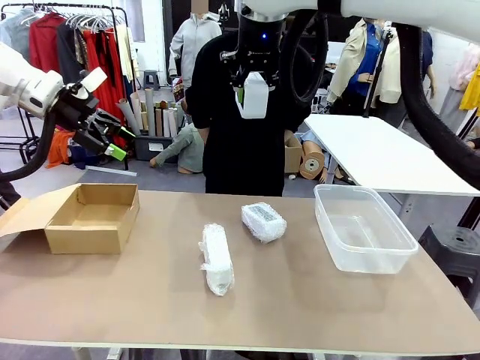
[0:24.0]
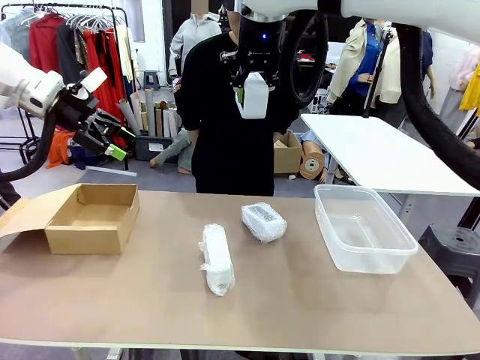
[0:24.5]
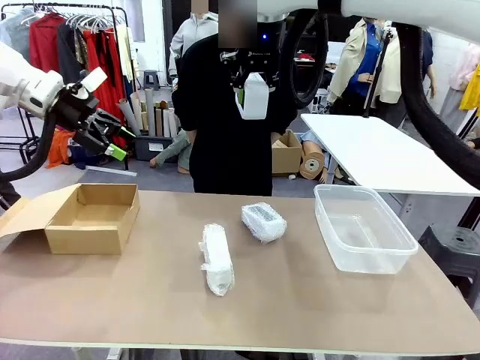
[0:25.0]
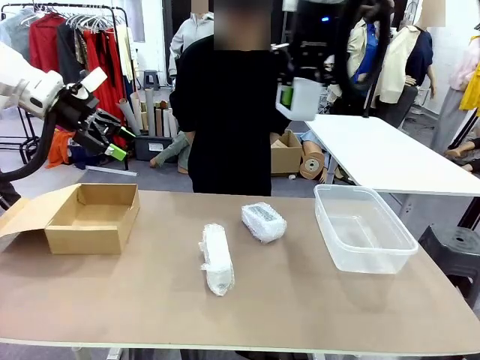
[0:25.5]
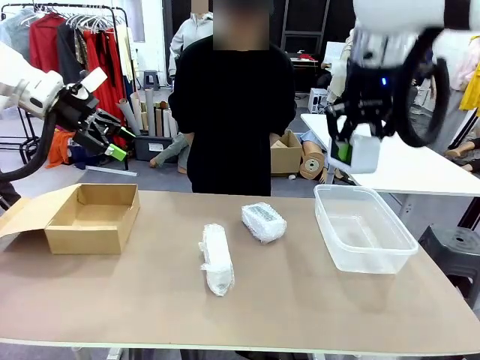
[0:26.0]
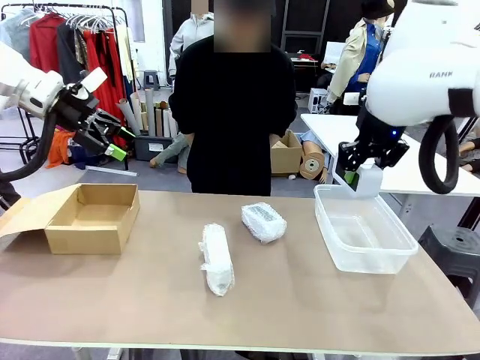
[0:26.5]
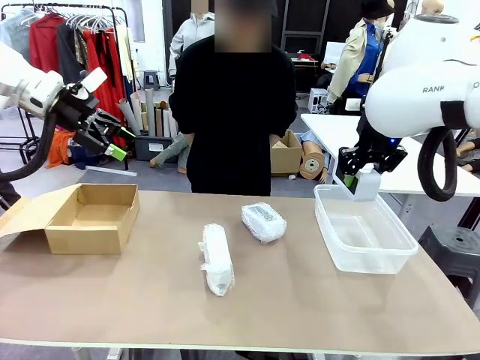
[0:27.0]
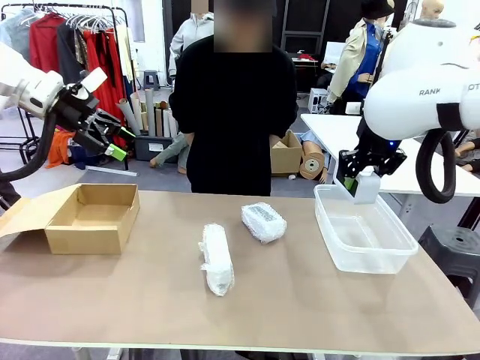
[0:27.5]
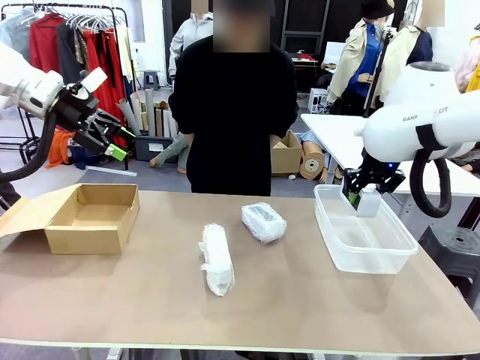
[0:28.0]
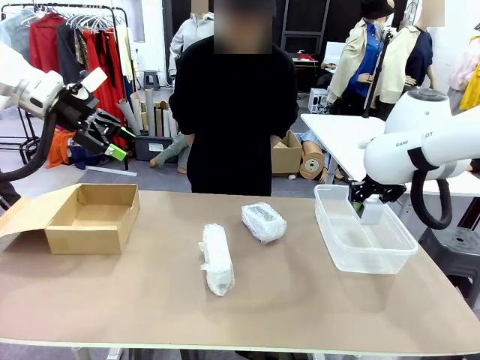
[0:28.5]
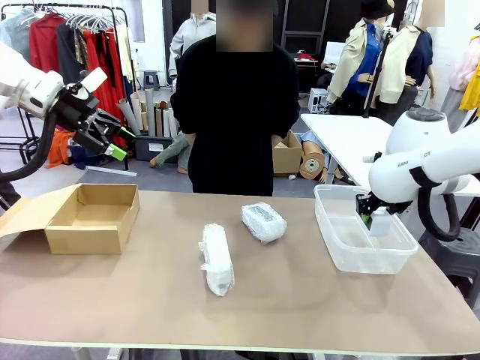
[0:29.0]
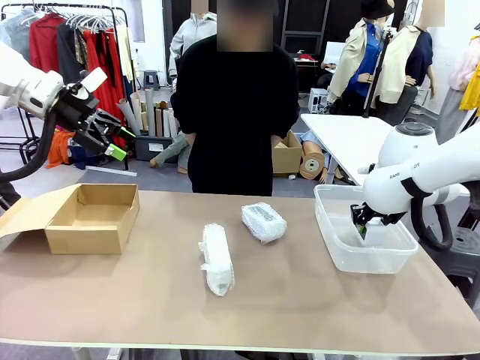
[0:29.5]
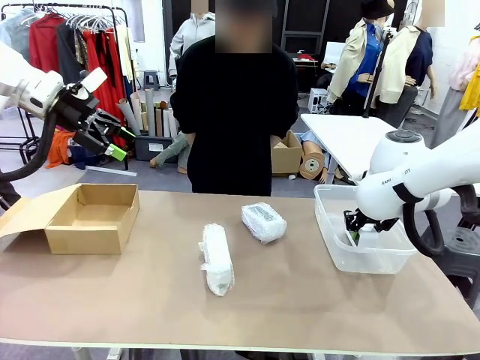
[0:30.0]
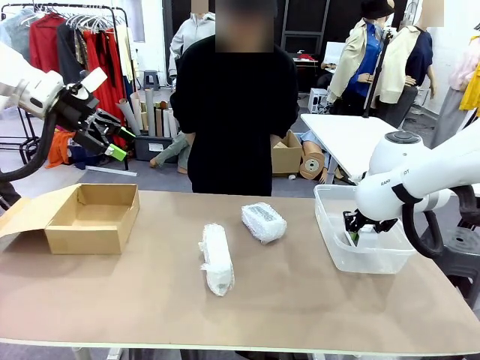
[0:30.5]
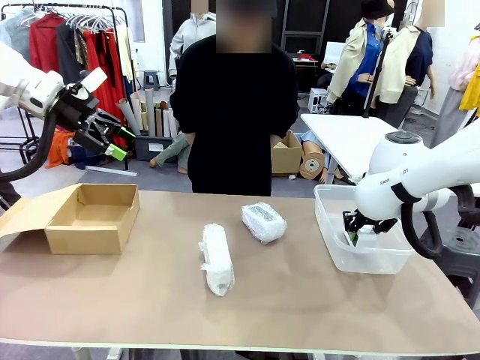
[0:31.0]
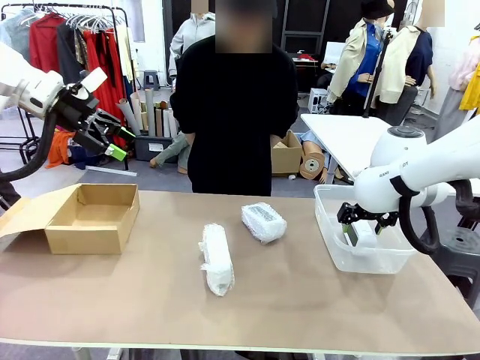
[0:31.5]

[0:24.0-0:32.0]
Task: Separate and place wrapped and unwrapped clocks.
Robot: If the picked Digital clock is wrapped, place it in the Package Box ; if not, place it in the Organizing box.

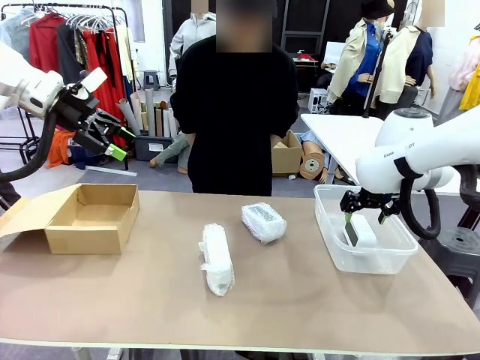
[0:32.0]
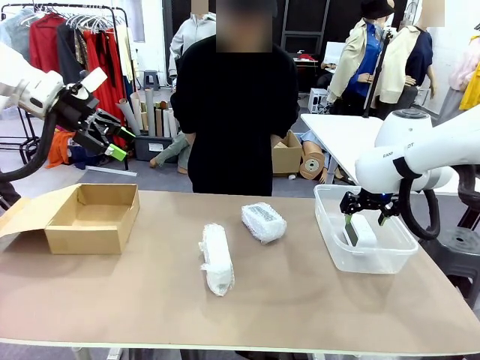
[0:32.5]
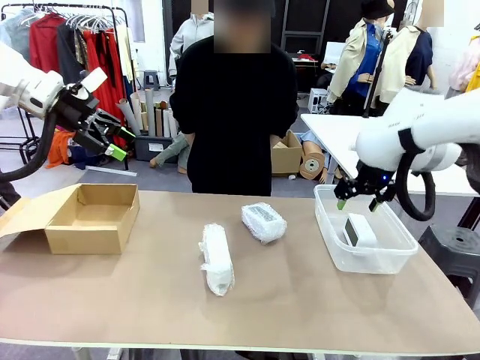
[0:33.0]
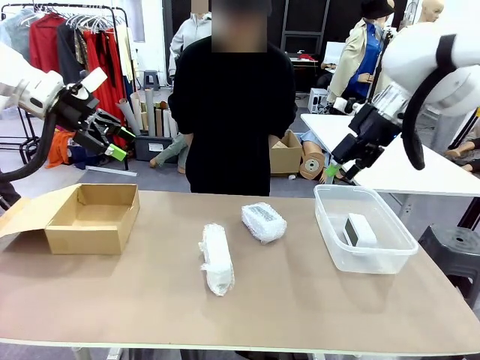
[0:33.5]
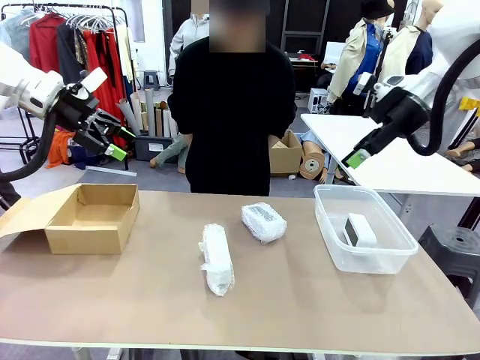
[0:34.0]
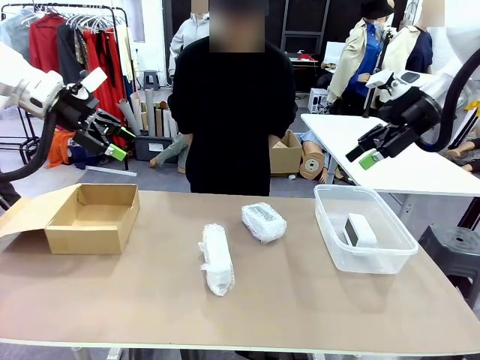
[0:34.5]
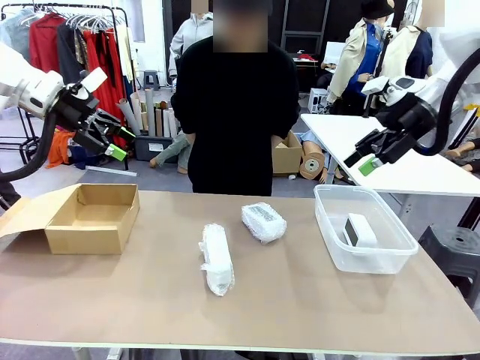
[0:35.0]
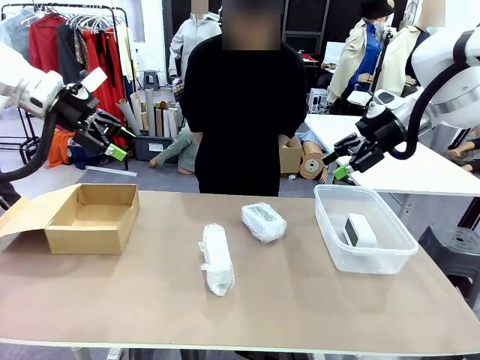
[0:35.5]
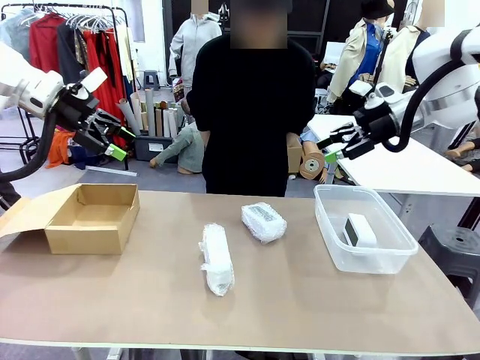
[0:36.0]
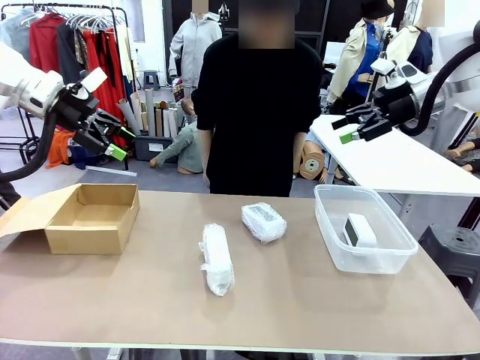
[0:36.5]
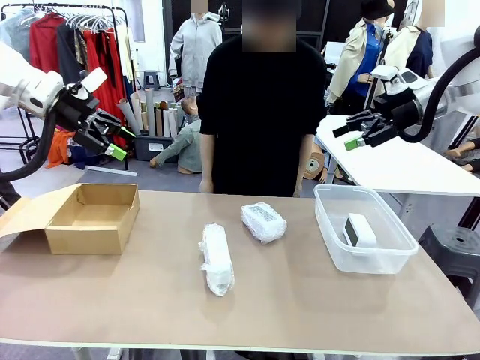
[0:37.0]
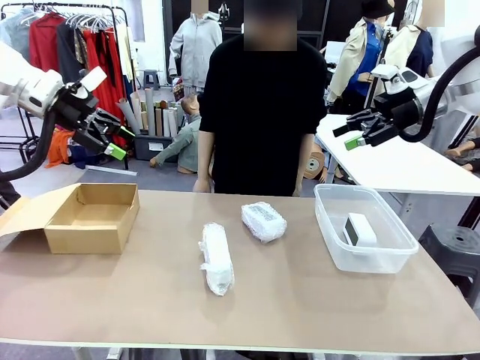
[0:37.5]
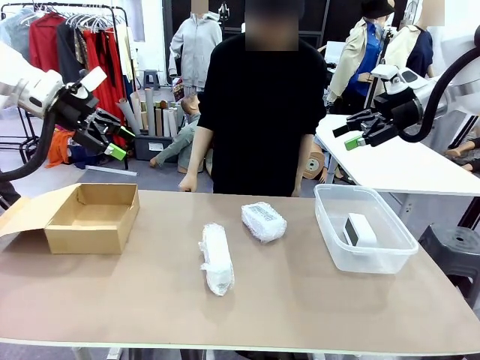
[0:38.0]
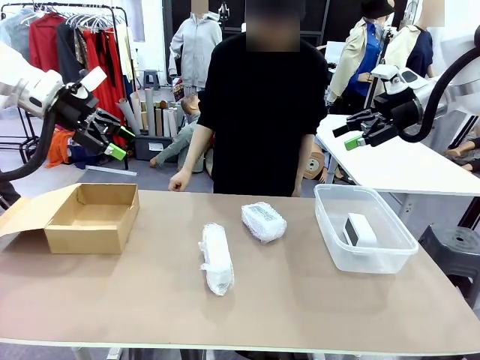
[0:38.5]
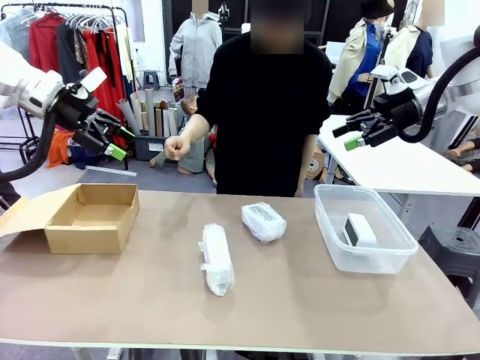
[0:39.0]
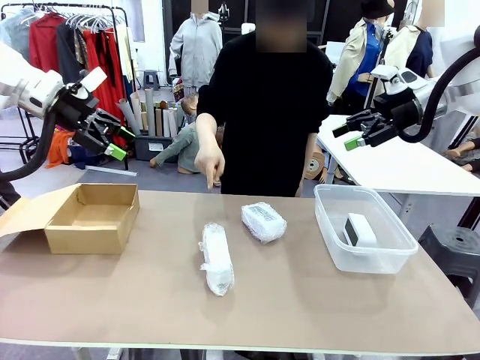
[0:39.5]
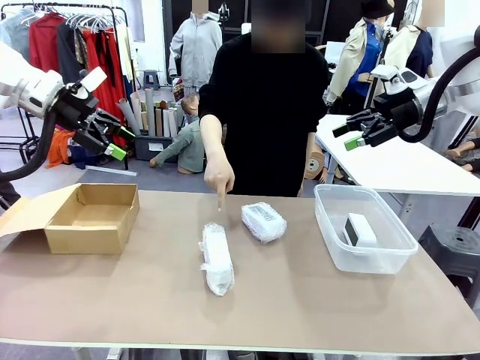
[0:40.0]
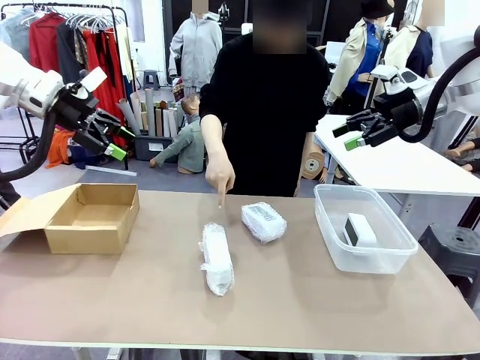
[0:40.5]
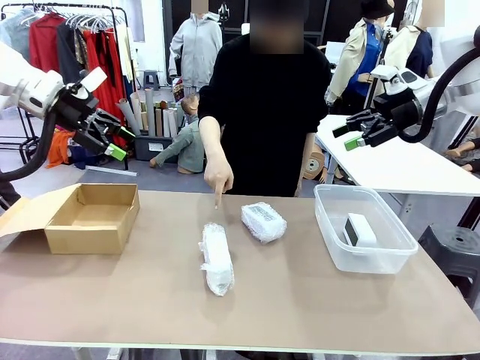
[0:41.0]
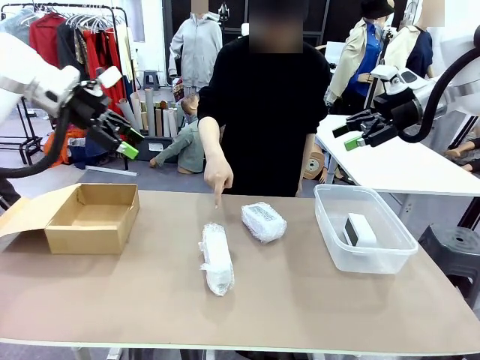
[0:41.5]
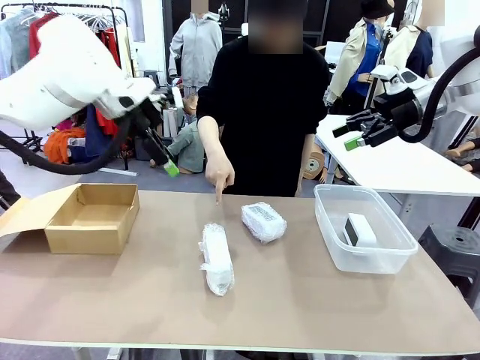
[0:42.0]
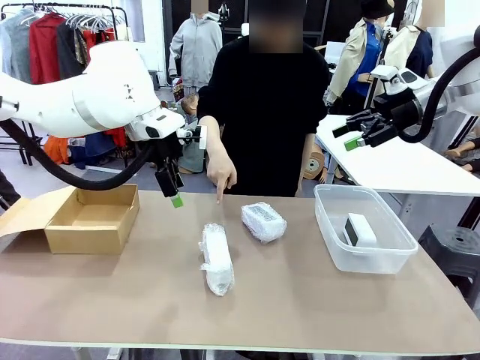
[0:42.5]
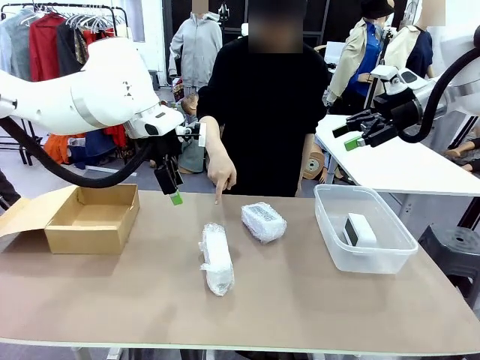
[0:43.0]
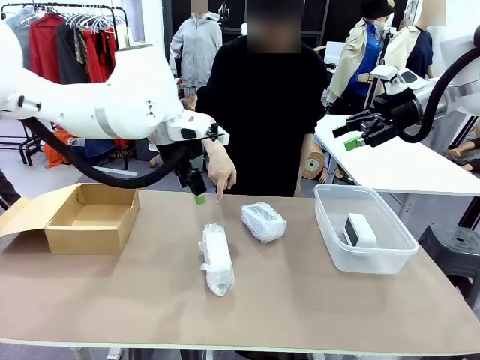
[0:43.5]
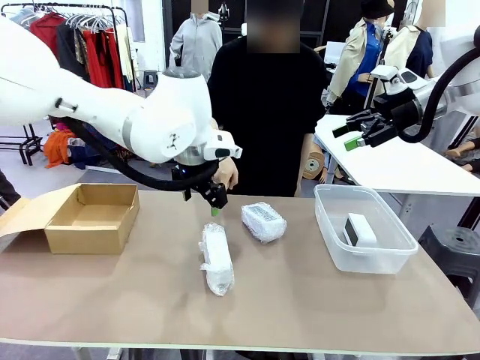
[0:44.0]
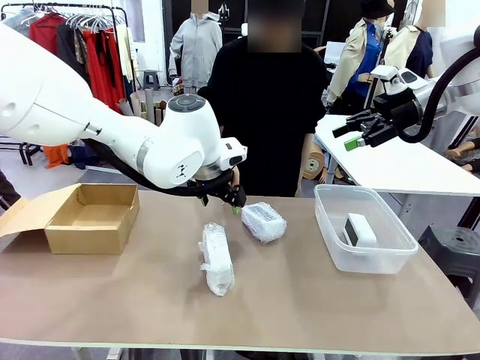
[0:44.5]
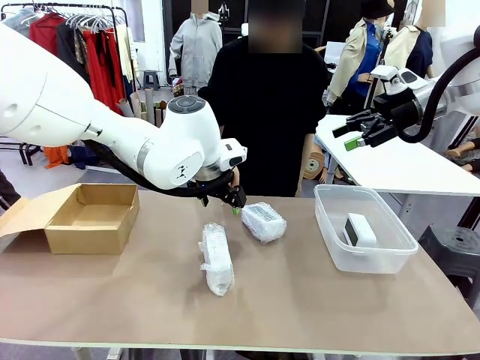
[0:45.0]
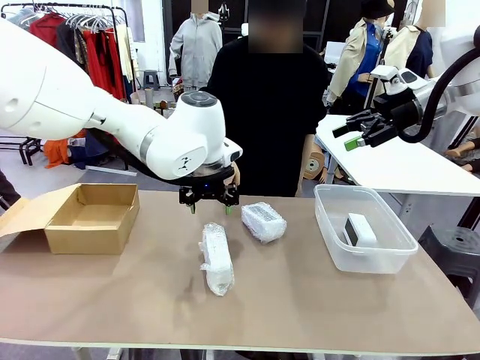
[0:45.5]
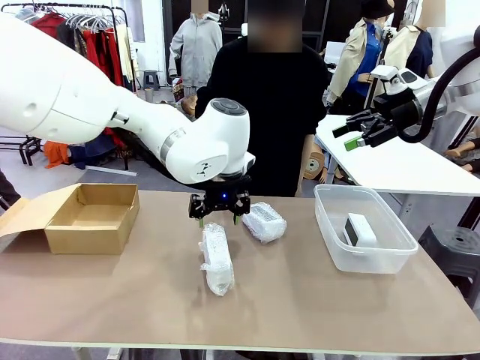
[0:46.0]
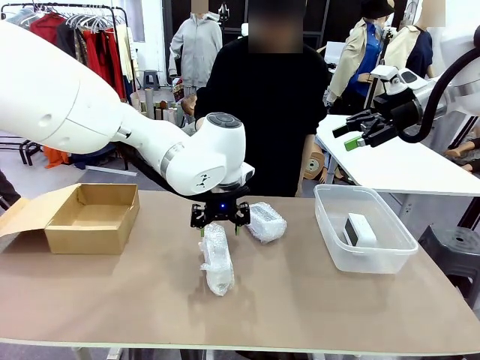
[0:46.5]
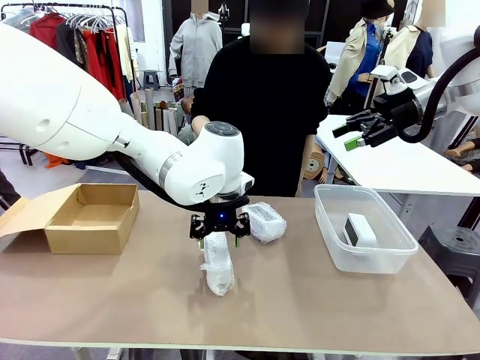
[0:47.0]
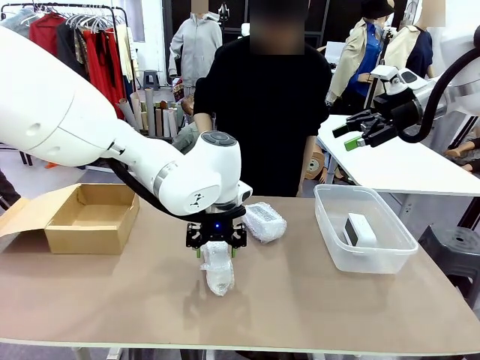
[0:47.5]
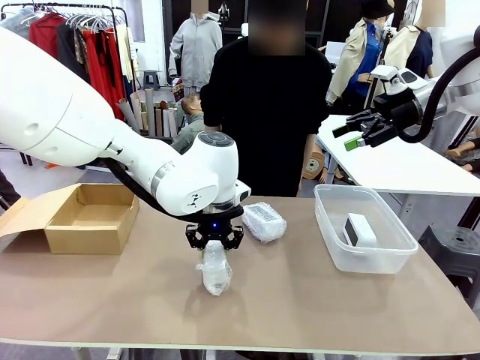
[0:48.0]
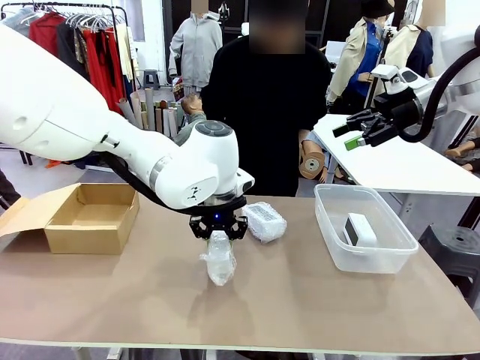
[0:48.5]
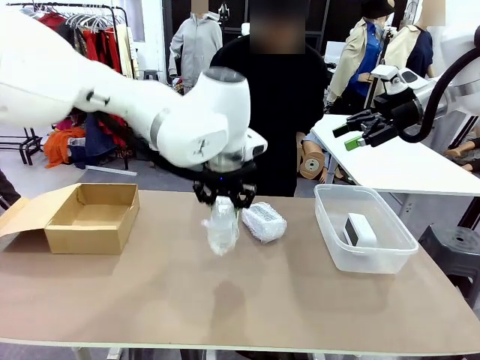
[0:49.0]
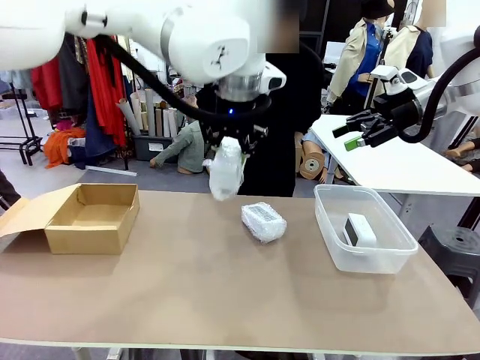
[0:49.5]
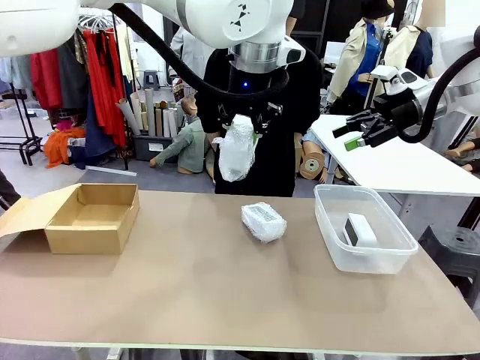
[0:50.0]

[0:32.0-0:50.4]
Robot: Pick up the Digital clock indicated by the person.
